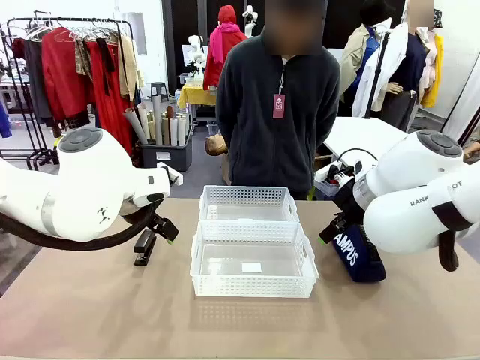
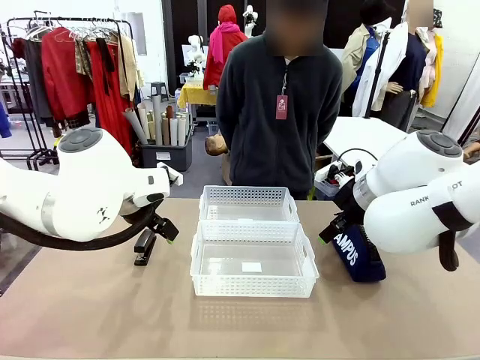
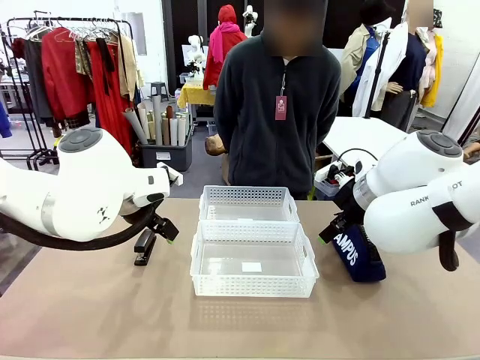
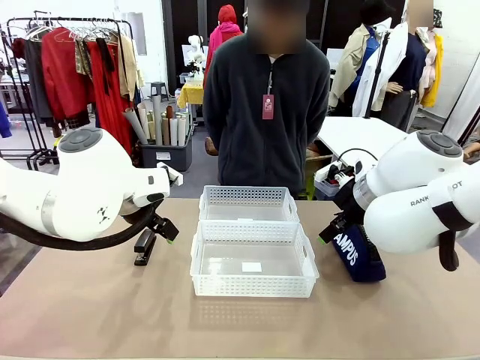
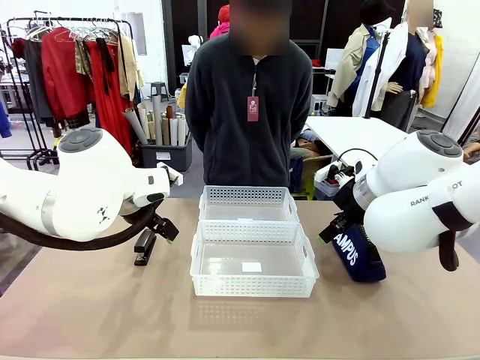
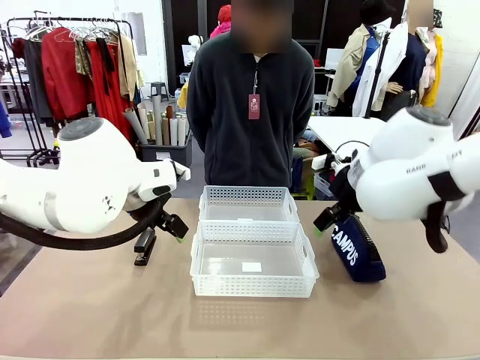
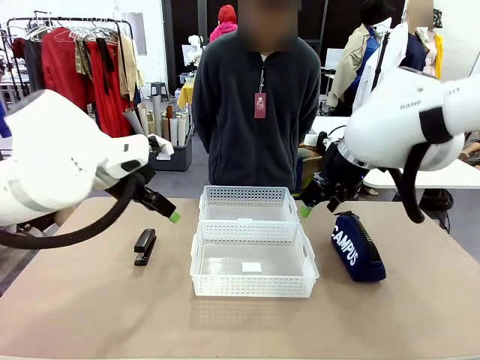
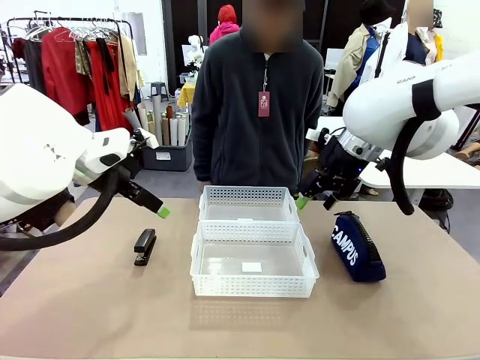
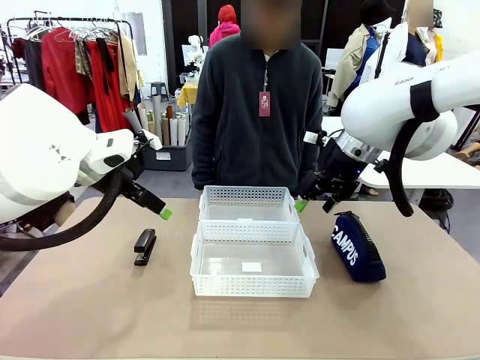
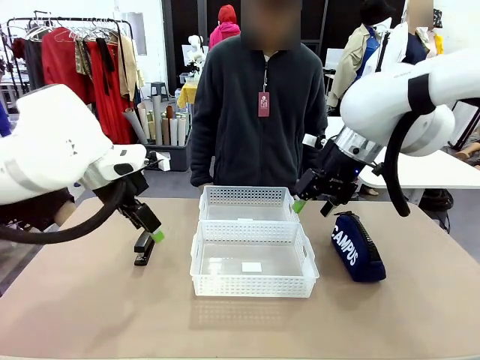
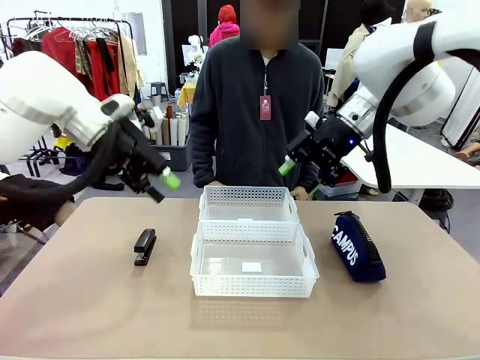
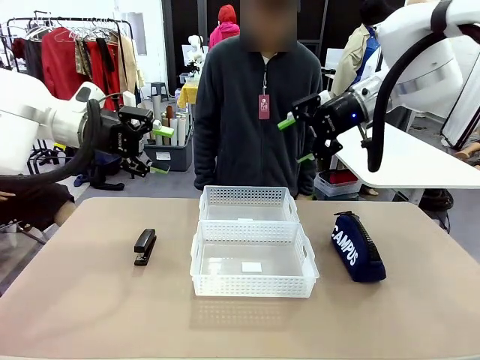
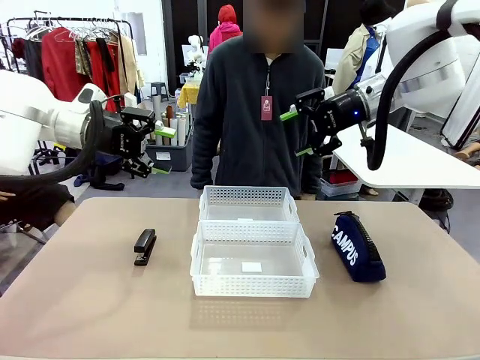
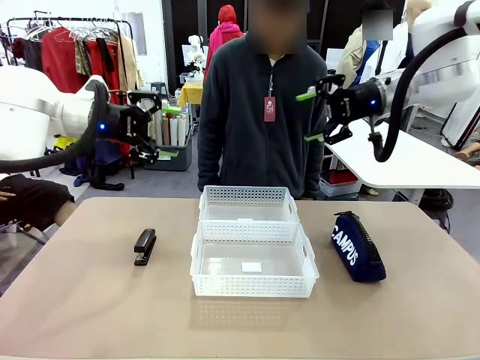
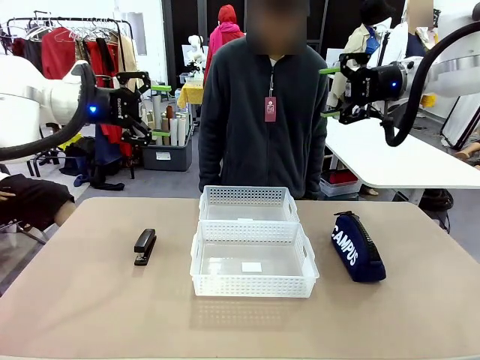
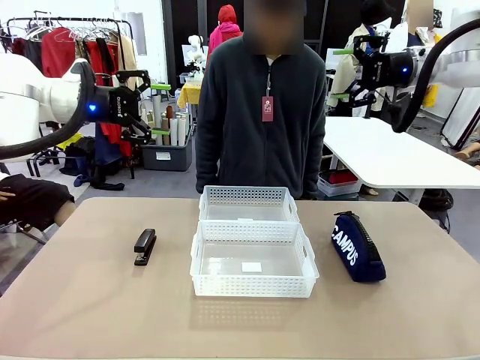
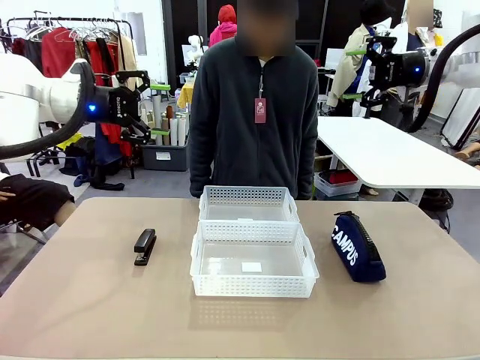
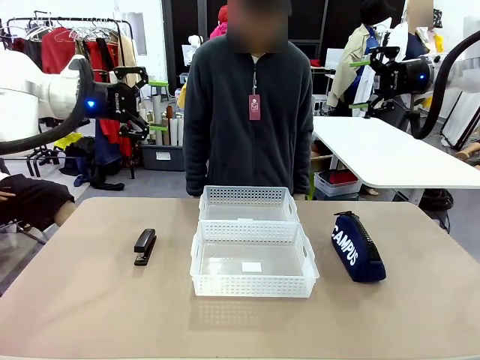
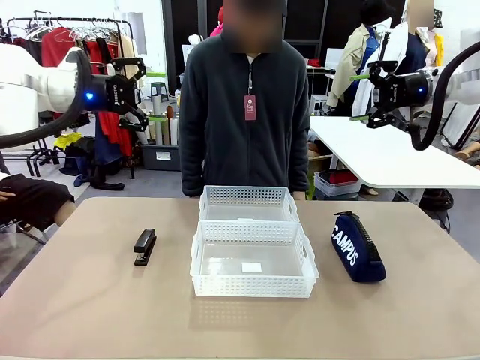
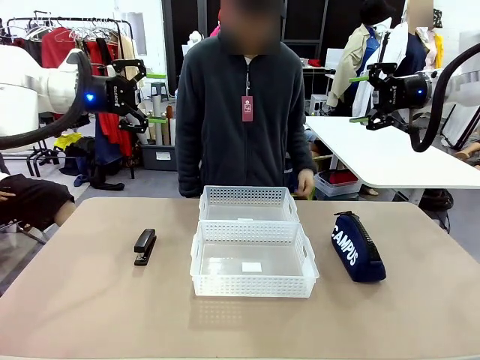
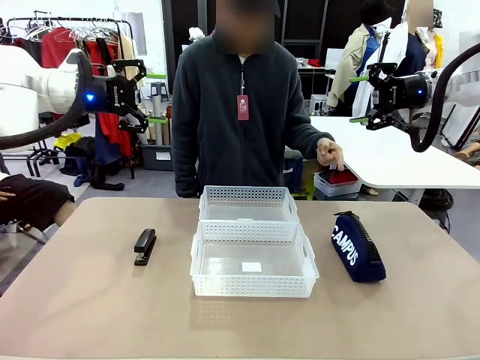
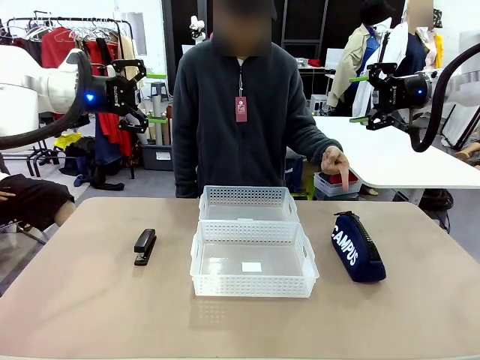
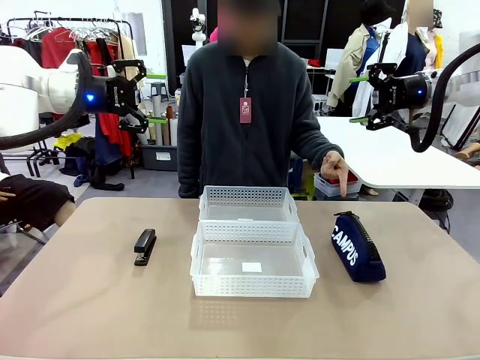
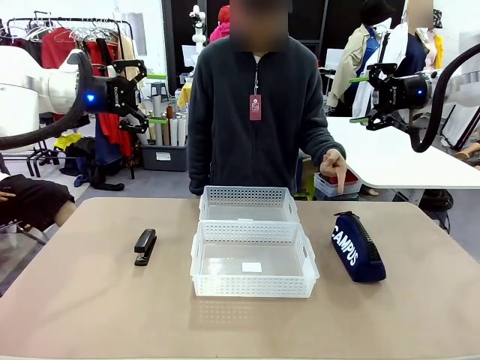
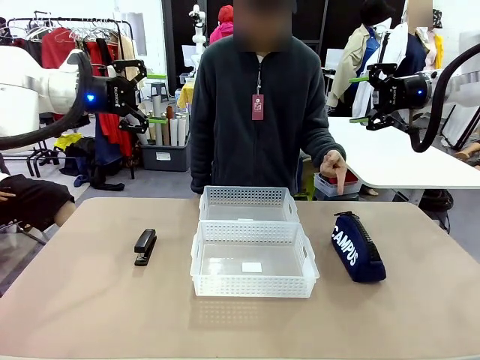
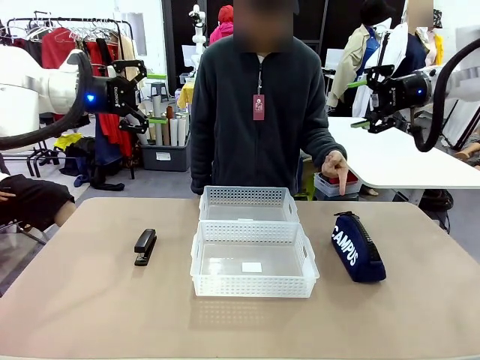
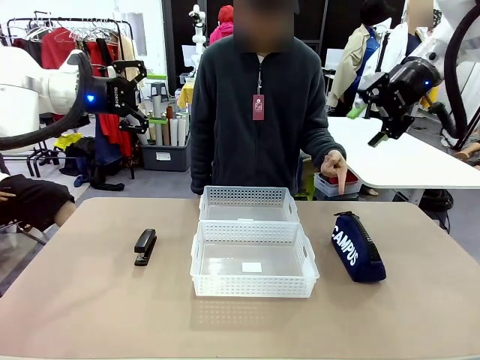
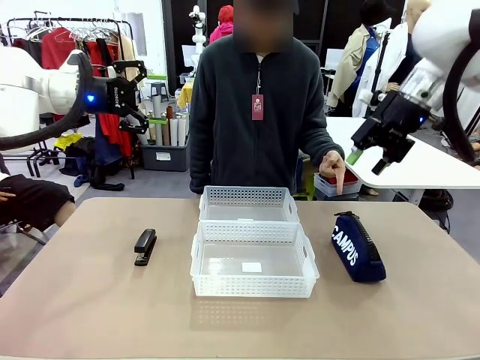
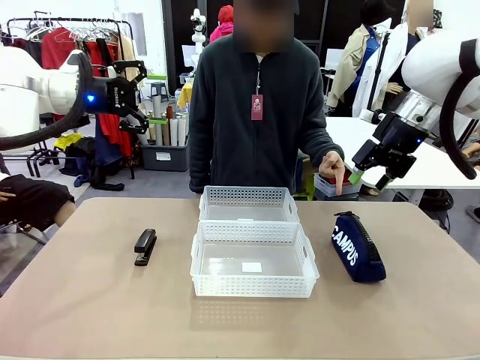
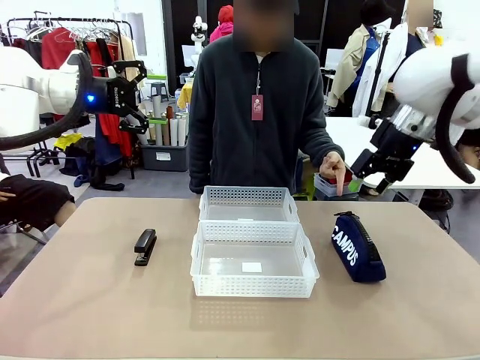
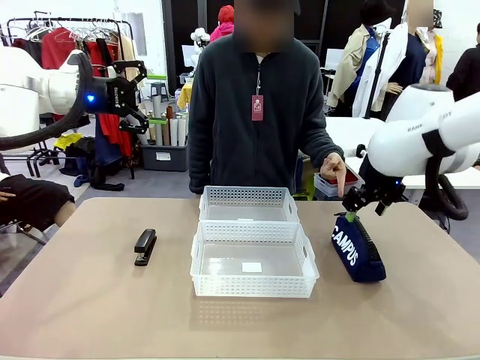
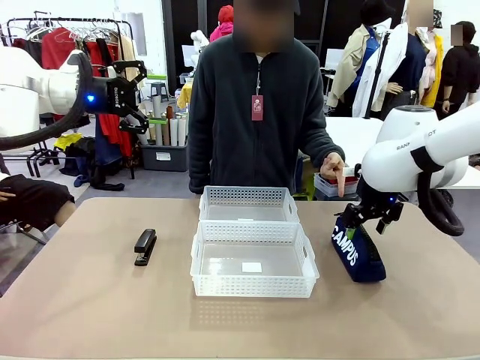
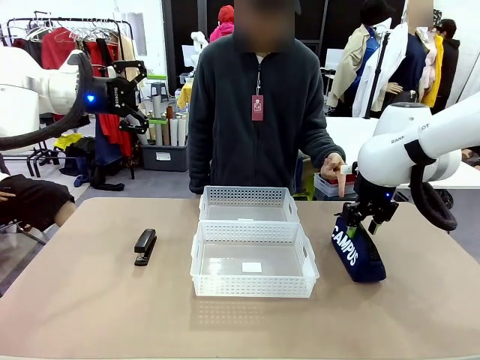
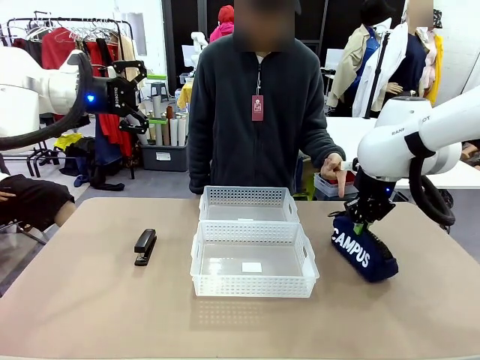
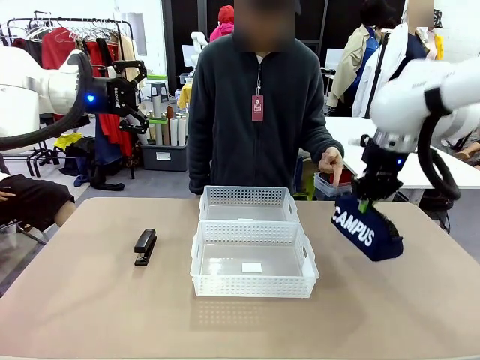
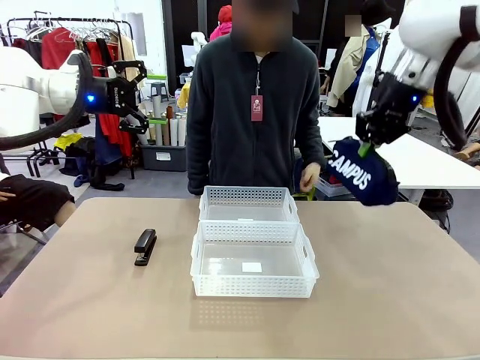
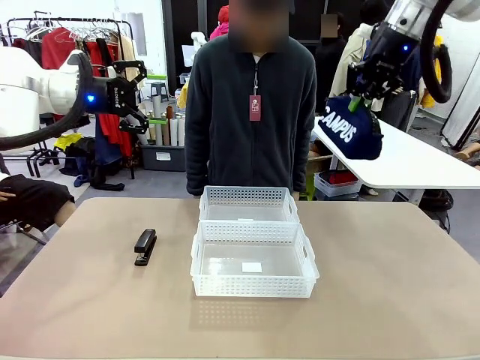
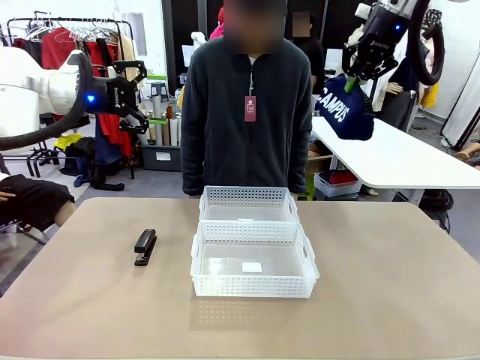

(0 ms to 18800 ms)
Task: Distribute items into two baskets.
Robot: Pick up the Pencil pouch that the person points to.
Person: Points to the pencil case. Points between the two organizing baskets and instructs the robot to move the pencil case.

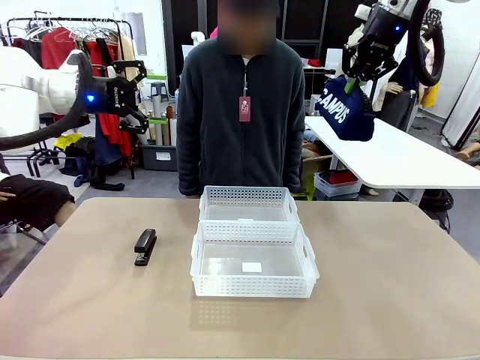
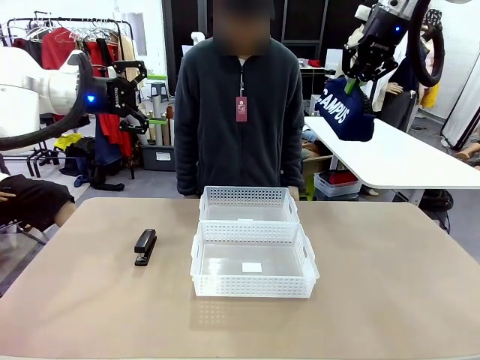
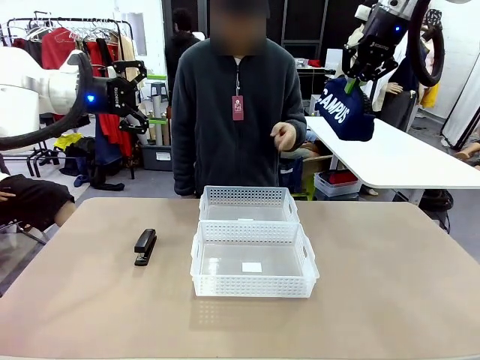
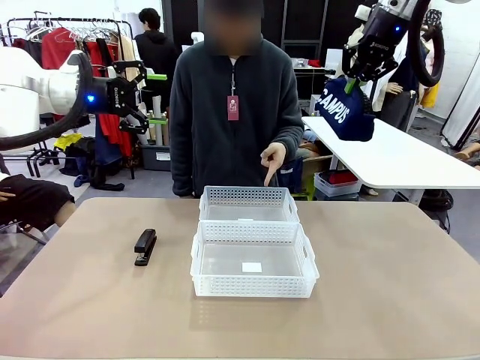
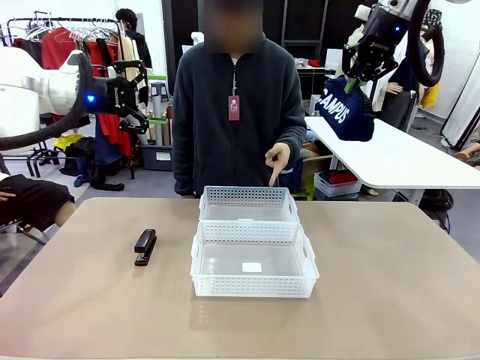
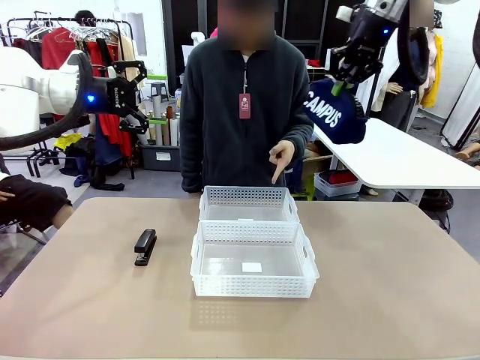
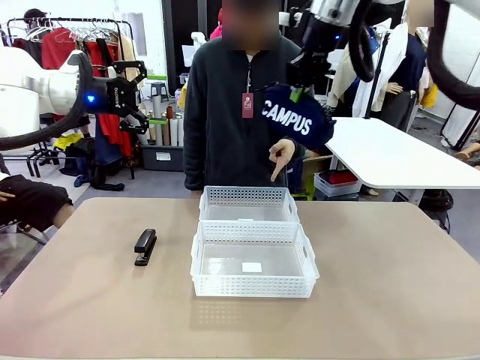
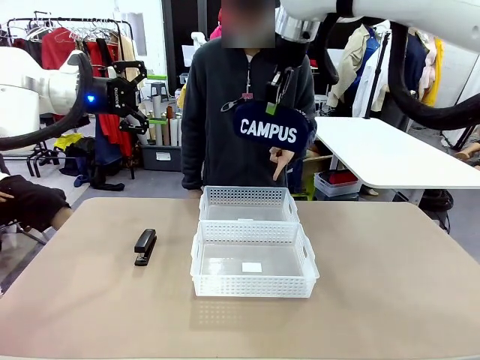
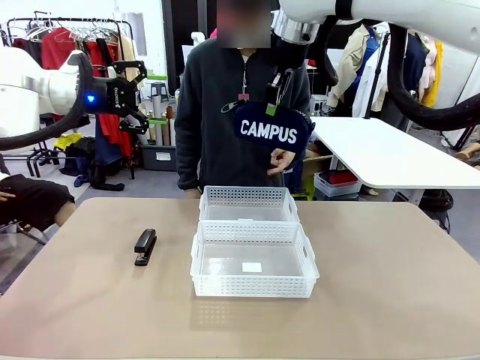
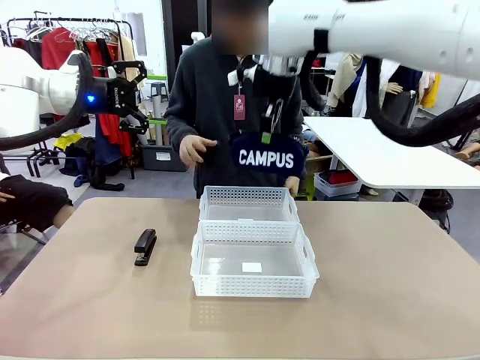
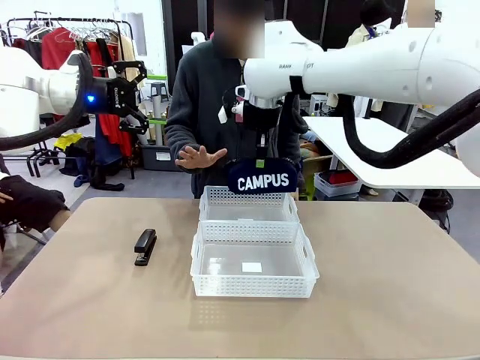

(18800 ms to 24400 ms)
Robot: Move the picked Pencil pouch towards the Organizing basket indicated by the person, stopping as directed.
Person: Sends a stop gesture before the robot places the pencil case into the basket.

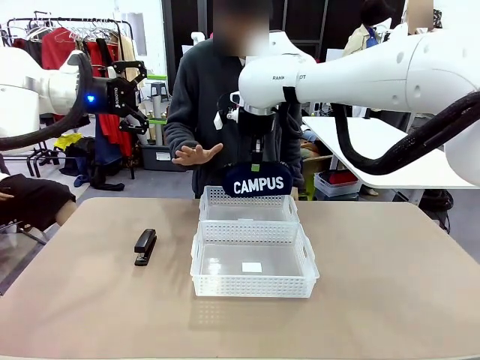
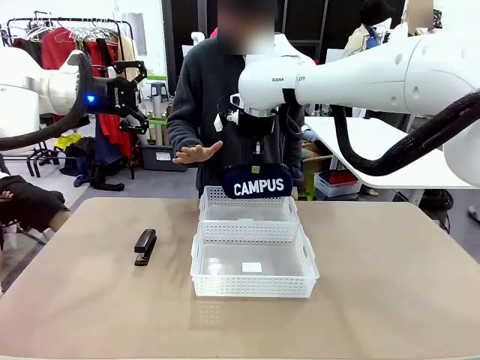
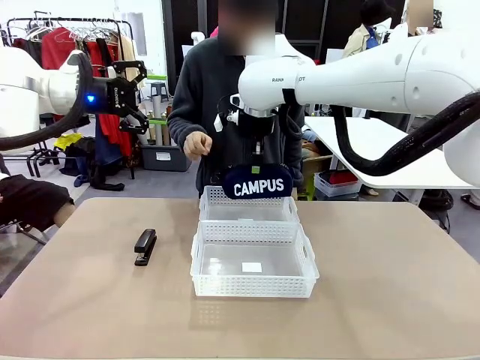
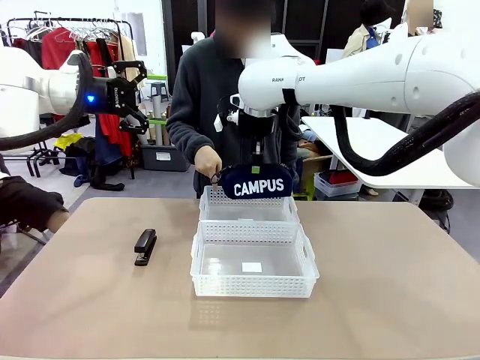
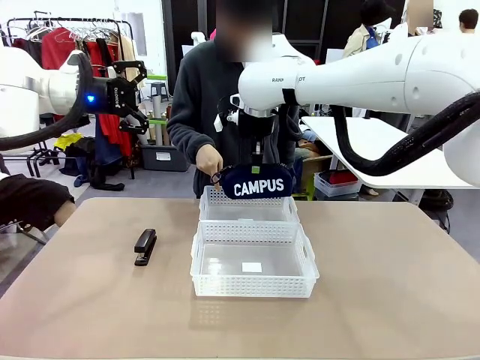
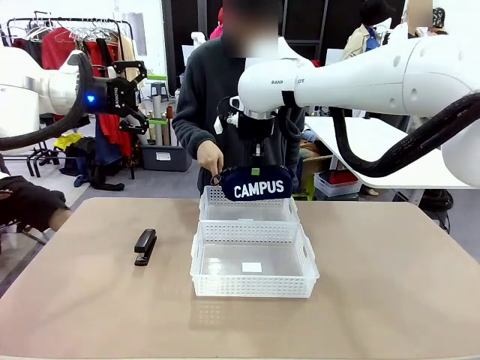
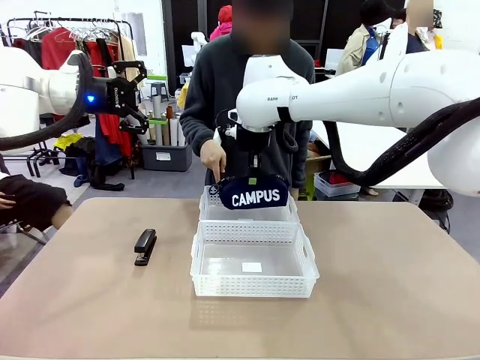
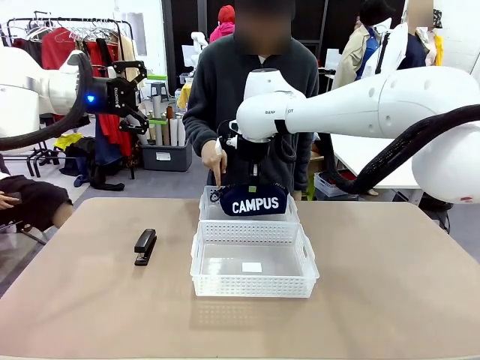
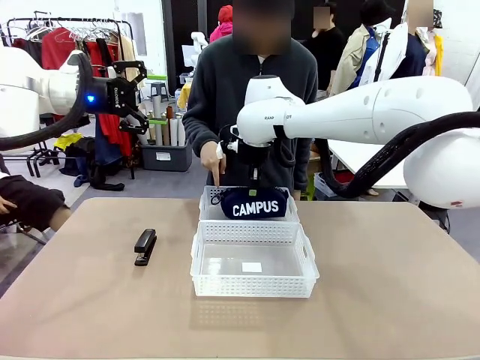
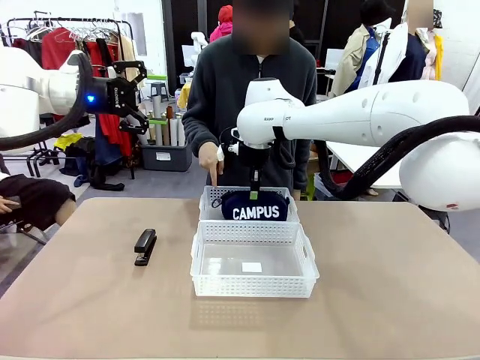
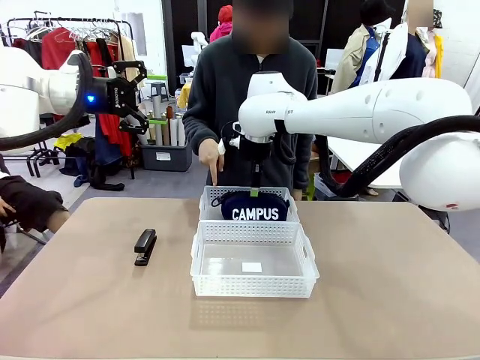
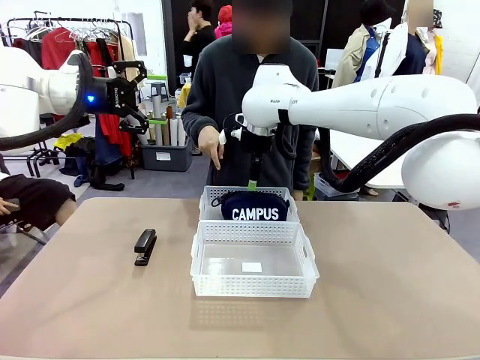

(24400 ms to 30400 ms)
Robot: Place the picked Pencil pouch into the Organizing basket as instructed by the person.
Person: Instructs the robot to place the pencil case into the opposite basket.
